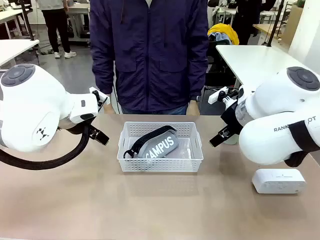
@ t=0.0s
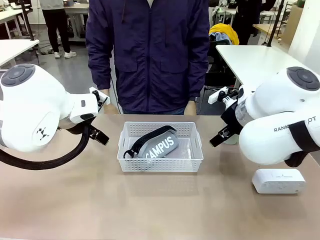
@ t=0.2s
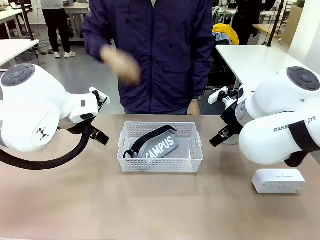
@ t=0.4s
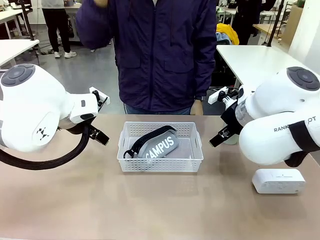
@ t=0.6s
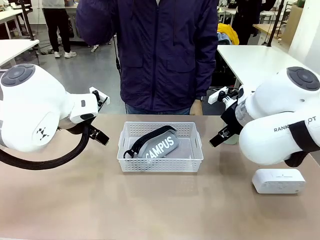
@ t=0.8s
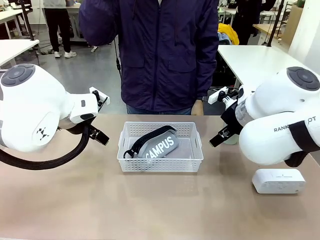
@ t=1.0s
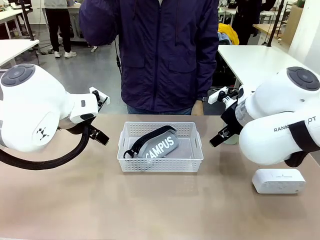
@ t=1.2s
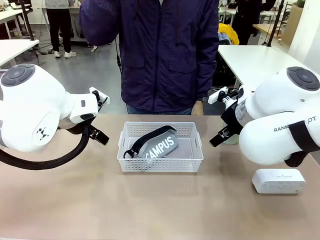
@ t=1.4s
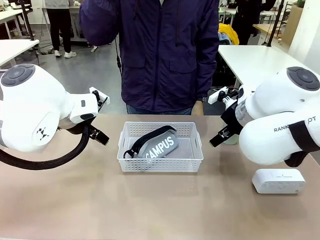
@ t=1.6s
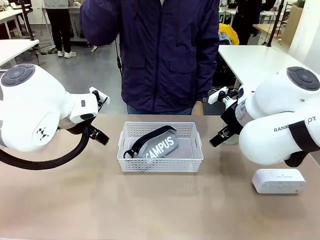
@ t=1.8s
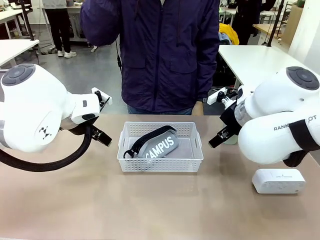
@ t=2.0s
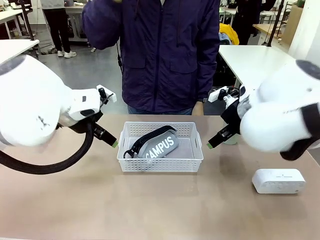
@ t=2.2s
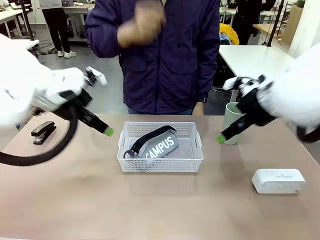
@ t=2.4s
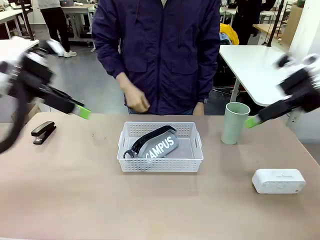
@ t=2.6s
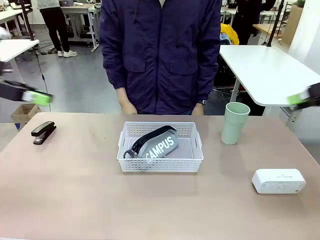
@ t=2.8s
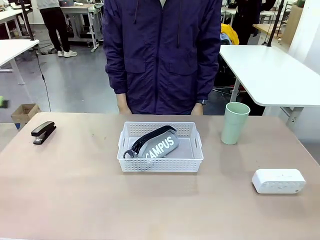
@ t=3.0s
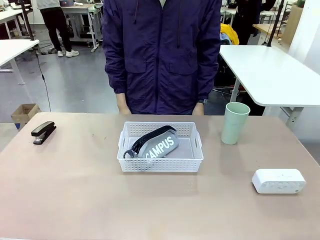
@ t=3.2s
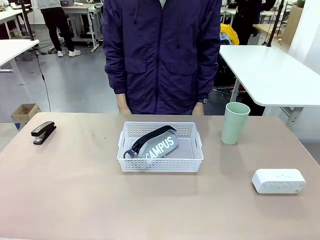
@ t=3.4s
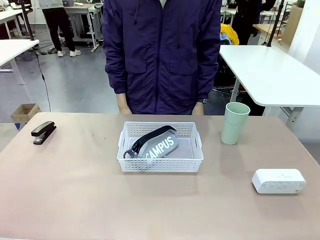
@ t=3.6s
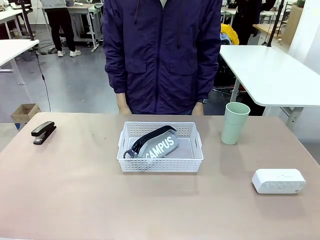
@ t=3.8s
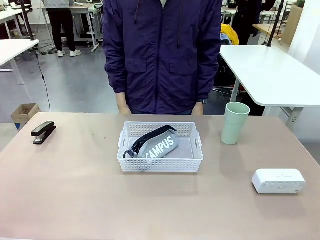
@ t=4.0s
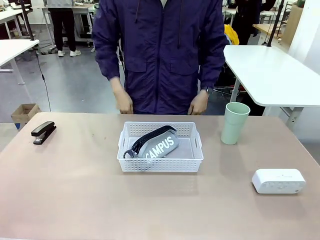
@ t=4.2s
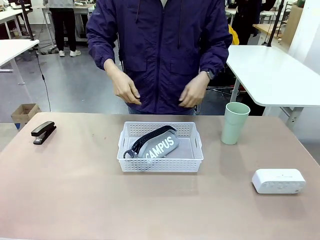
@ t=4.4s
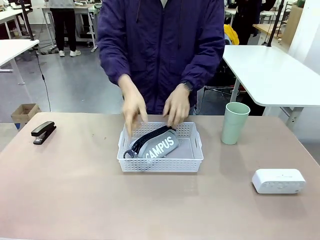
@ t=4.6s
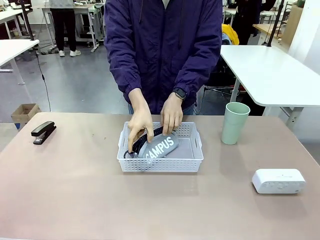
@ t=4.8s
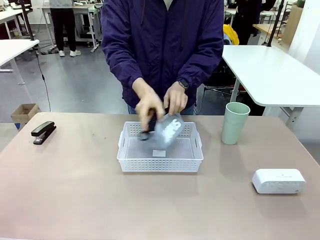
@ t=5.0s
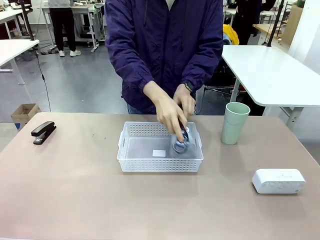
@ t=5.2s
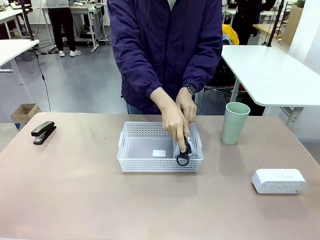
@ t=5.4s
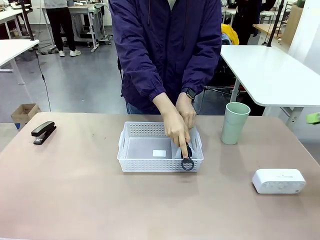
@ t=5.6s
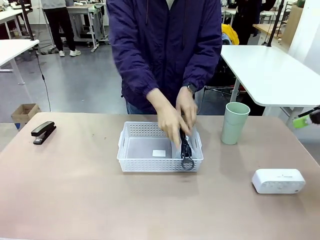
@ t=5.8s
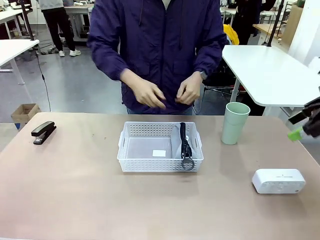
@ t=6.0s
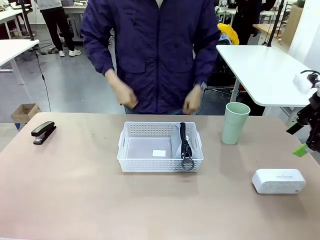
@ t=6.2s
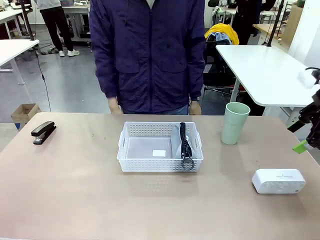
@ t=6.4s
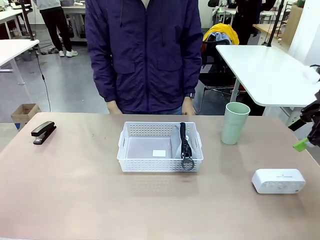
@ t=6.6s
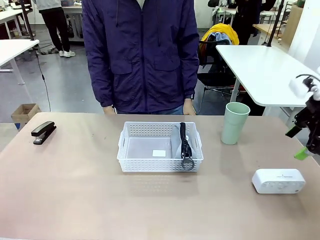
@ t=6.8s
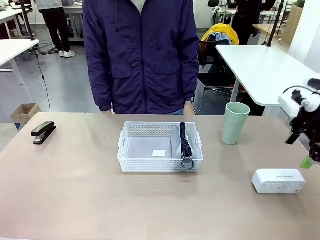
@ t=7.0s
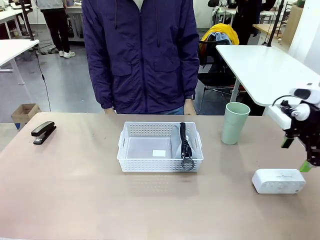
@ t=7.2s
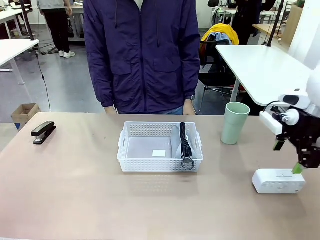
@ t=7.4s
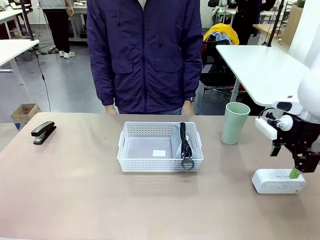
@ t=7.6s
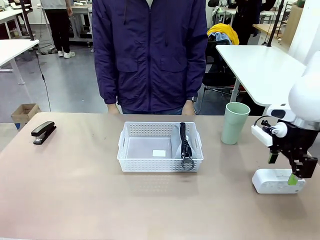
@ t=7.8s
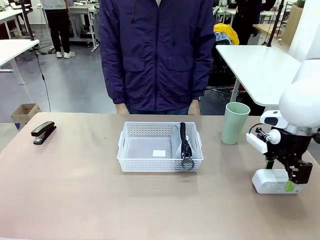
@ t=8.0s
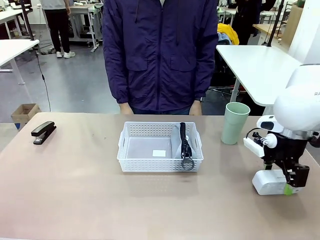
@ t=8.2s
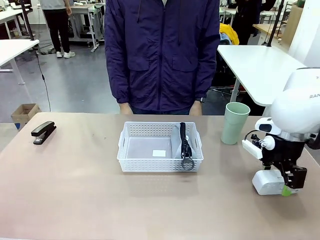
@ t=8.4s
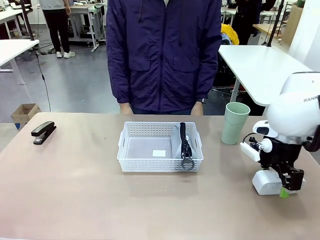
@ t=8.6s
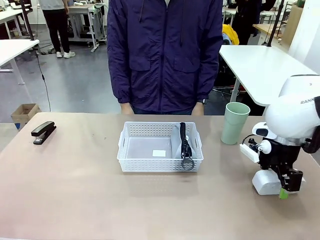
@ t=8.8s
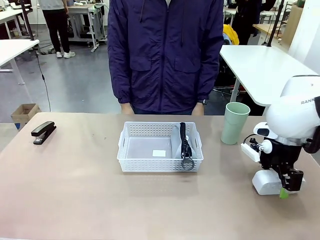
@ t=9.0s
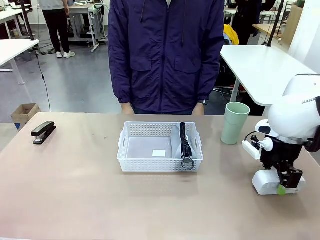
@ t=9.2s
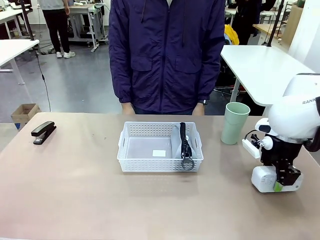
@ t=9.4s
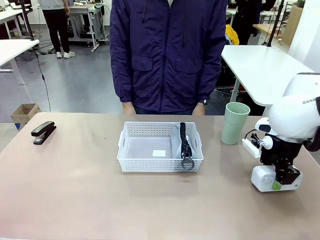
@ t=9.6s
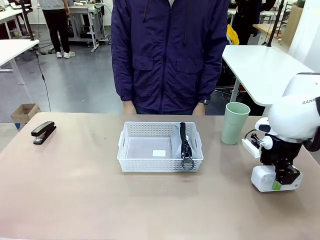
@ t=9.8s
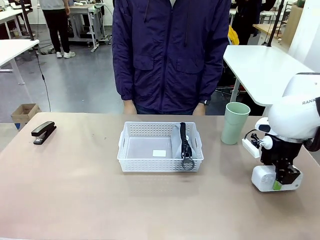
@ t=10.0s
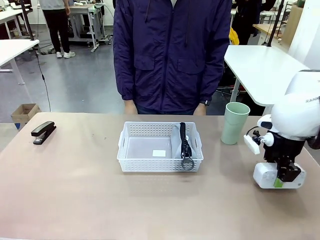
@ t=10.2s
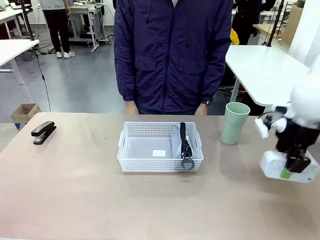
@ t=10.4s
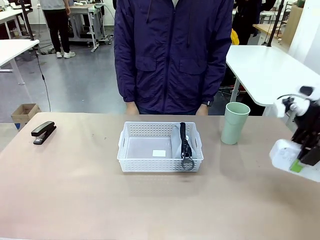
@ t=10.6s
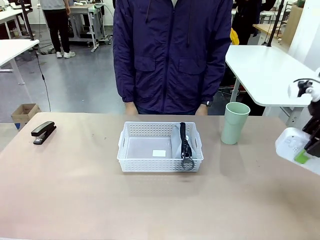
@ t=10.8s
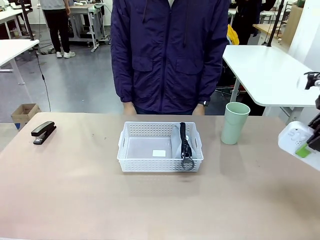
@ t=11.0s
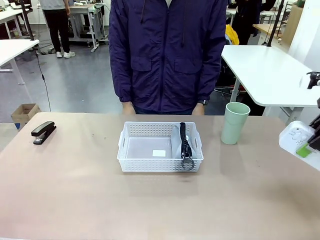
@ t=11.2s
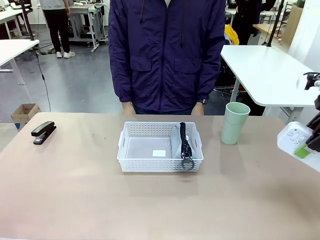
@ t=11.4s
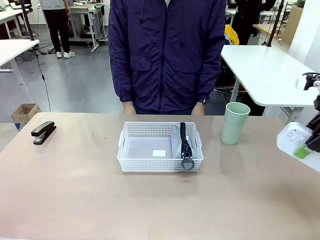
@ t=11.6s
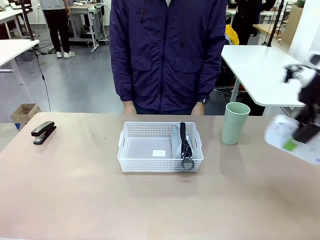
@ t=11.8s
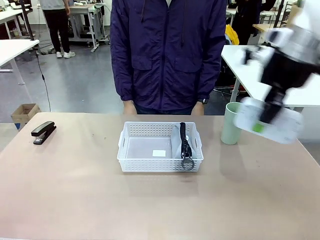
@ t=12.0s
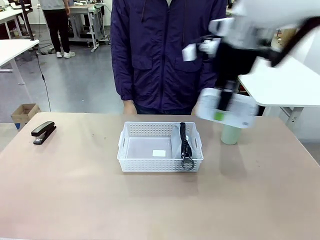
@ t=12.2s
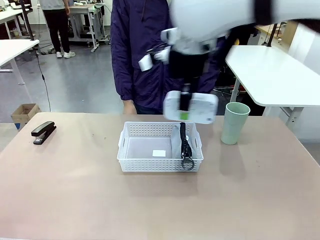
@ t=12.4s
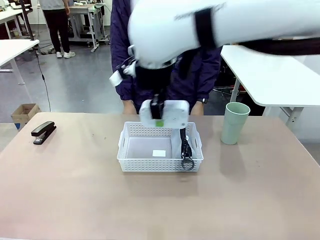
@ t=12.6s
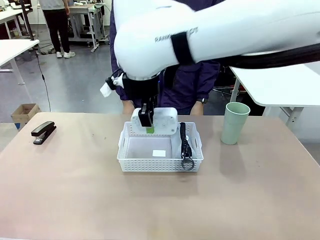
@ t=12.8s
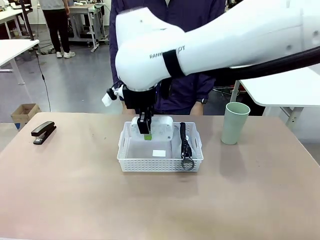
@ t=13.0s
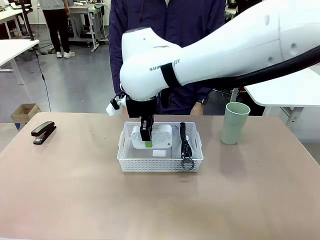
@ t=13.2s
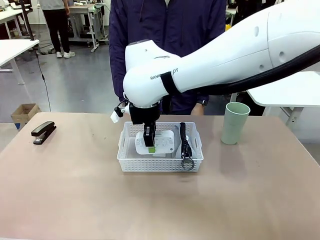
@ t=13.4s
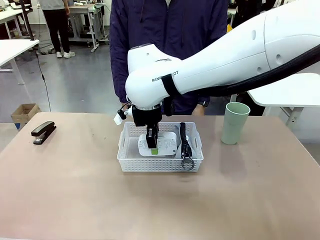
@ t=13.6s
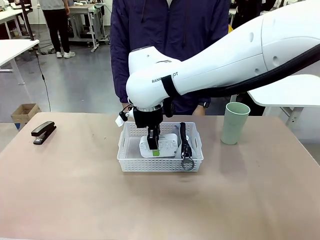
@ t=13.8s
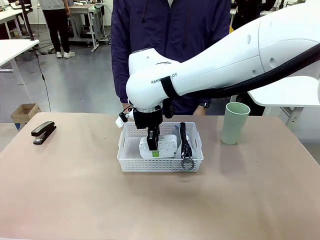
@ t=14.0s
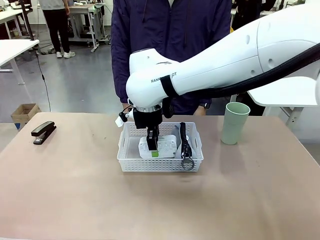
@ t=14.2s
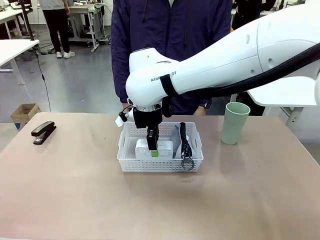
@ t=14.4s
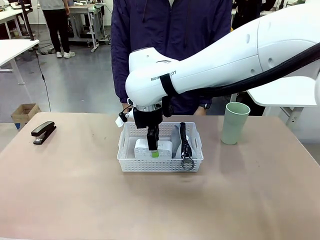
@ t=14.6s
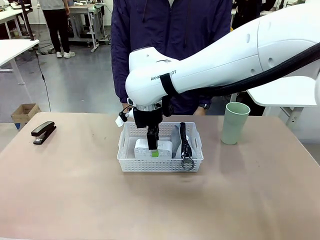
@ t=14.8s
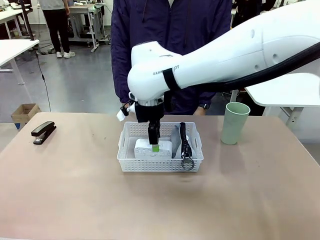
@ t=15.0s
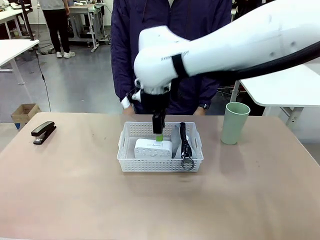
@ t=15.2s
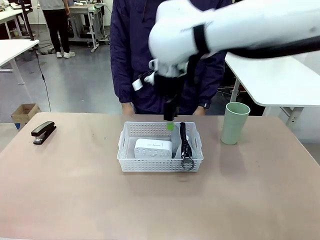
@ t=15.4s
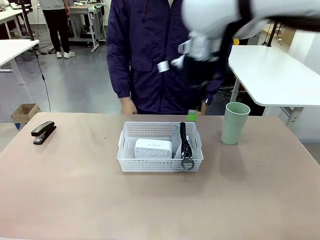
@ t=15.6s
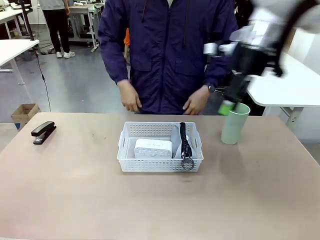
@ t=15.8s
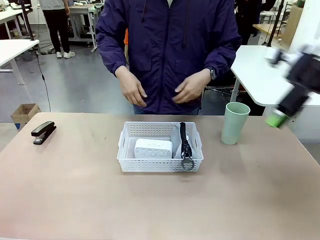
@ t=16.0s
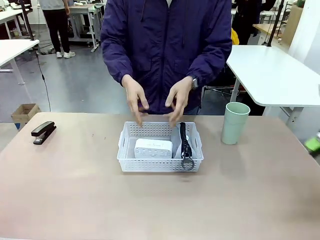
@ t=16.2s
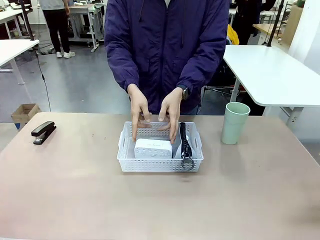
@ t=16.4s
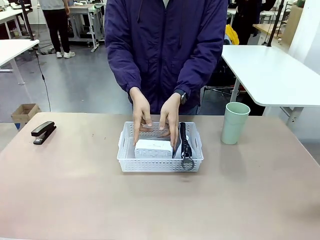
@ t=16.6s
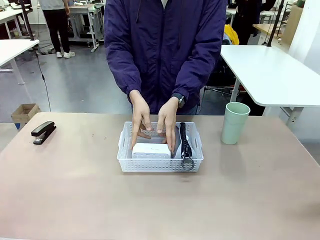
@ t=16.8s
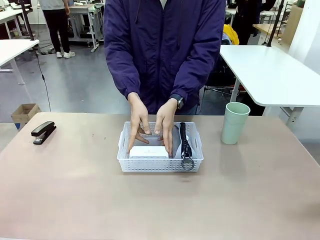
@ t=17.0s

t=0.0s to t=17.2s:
Task: Efficiently arrange items inside the basket to fit them all.
Robot: Pick up the Digital clock and place it inside the Organizing basket.
Person: Repositions the pencil case. Repositions the digital clock.
